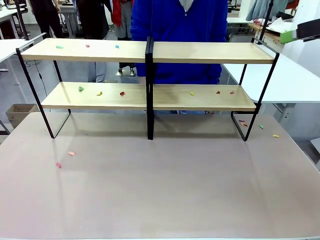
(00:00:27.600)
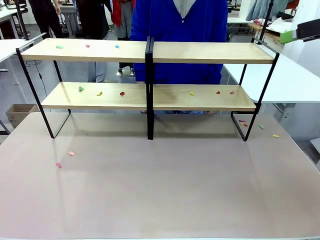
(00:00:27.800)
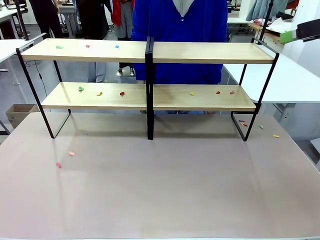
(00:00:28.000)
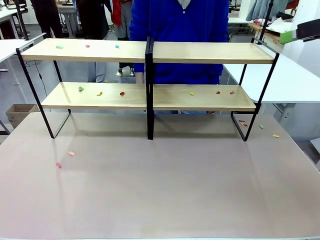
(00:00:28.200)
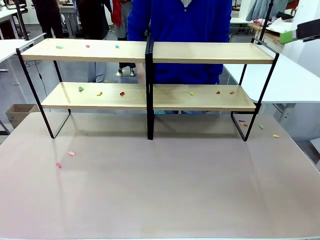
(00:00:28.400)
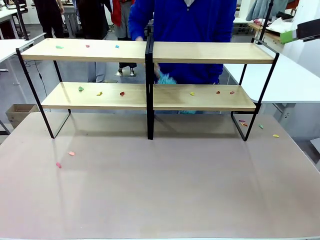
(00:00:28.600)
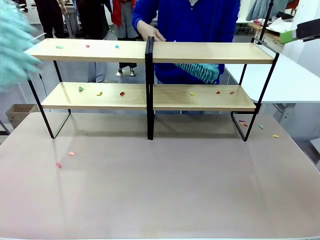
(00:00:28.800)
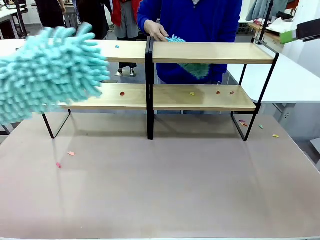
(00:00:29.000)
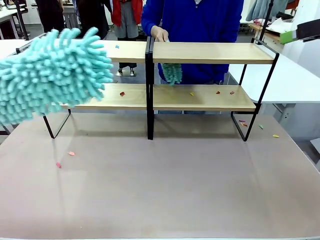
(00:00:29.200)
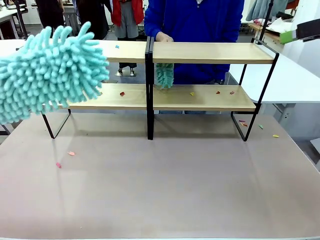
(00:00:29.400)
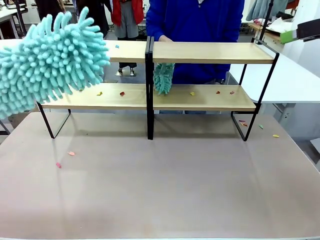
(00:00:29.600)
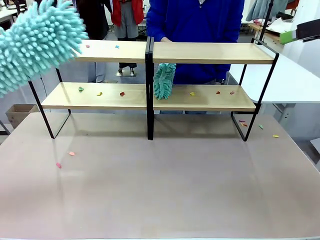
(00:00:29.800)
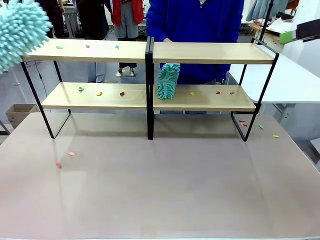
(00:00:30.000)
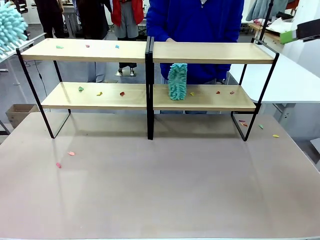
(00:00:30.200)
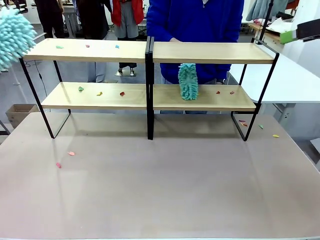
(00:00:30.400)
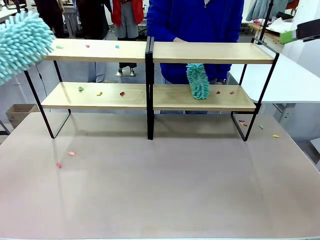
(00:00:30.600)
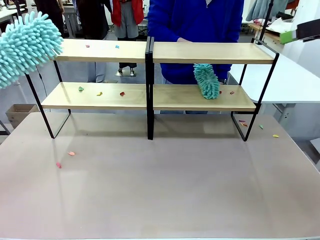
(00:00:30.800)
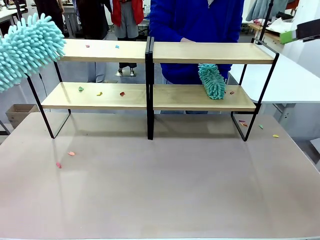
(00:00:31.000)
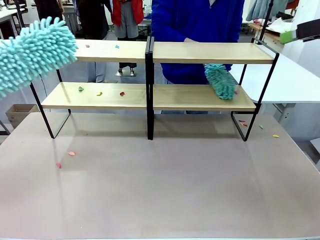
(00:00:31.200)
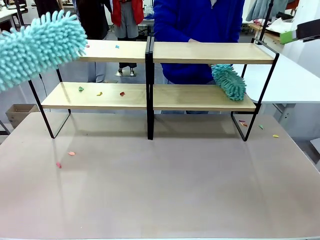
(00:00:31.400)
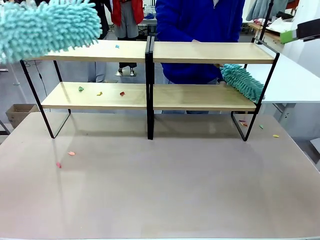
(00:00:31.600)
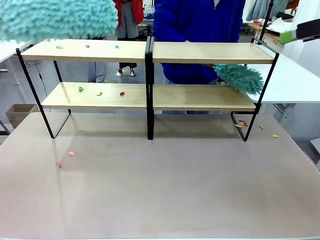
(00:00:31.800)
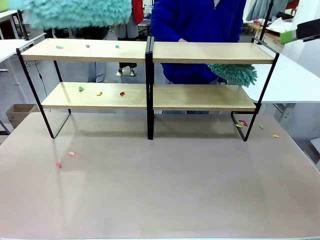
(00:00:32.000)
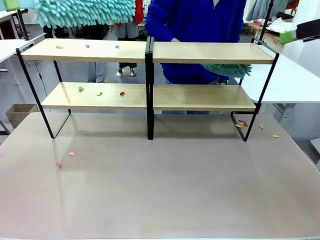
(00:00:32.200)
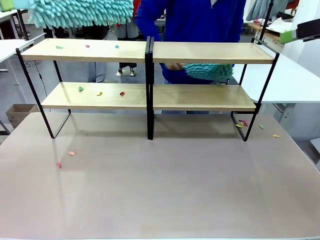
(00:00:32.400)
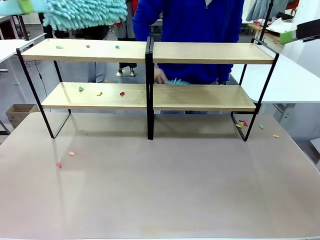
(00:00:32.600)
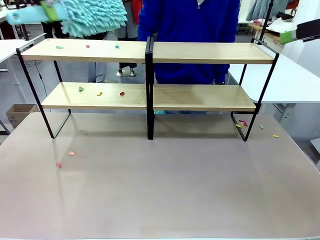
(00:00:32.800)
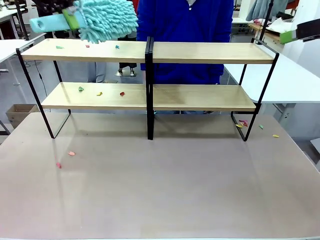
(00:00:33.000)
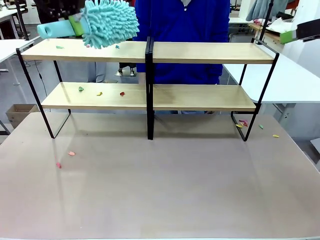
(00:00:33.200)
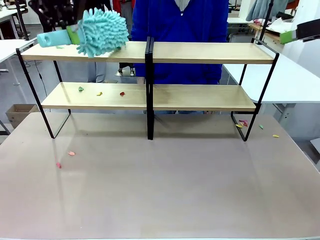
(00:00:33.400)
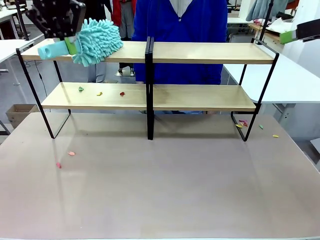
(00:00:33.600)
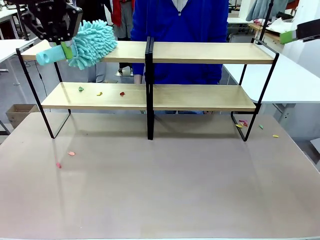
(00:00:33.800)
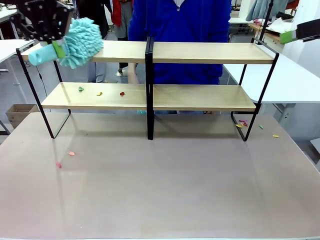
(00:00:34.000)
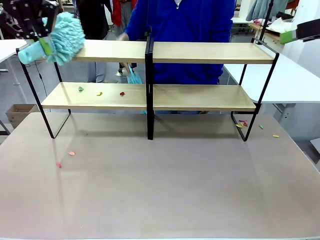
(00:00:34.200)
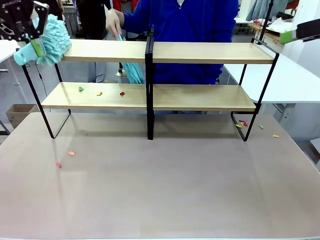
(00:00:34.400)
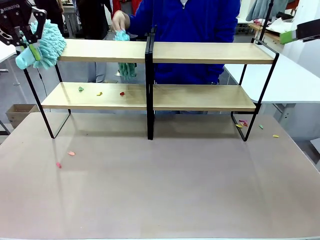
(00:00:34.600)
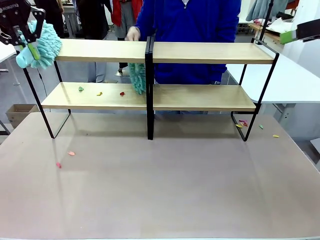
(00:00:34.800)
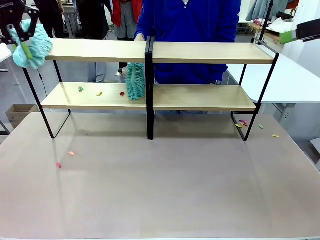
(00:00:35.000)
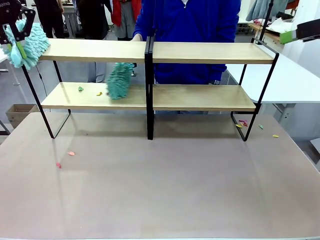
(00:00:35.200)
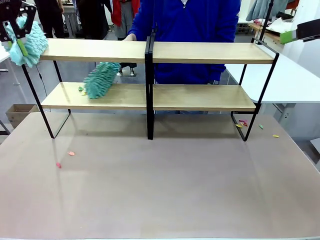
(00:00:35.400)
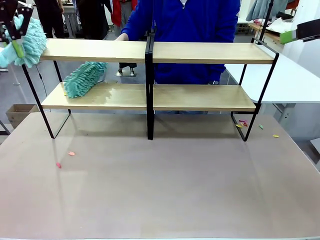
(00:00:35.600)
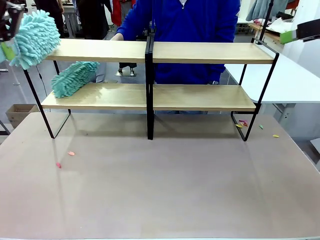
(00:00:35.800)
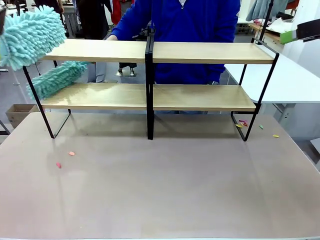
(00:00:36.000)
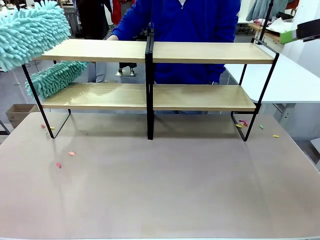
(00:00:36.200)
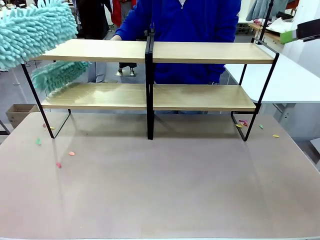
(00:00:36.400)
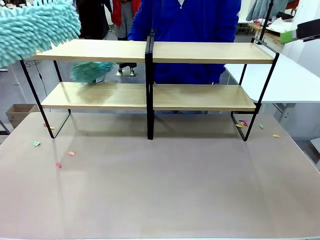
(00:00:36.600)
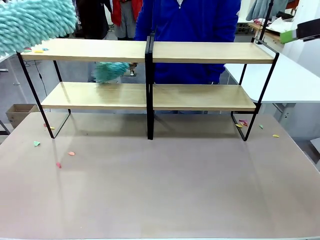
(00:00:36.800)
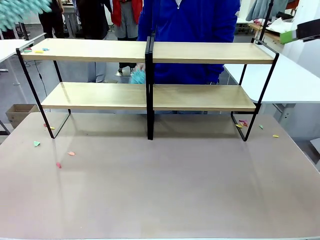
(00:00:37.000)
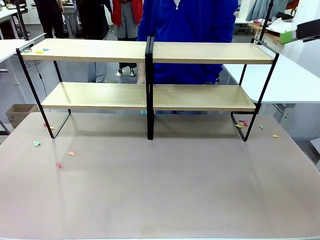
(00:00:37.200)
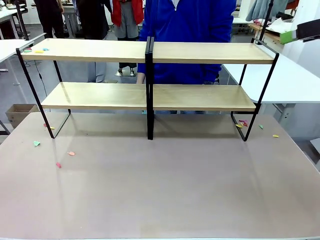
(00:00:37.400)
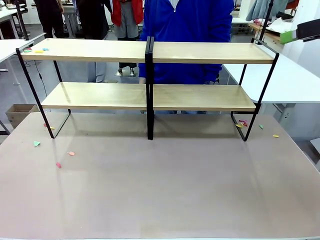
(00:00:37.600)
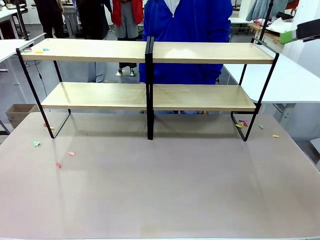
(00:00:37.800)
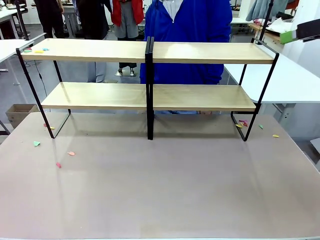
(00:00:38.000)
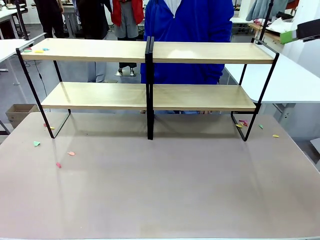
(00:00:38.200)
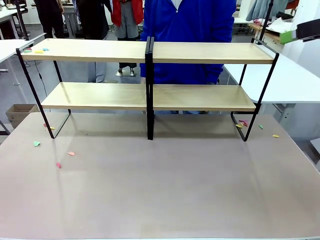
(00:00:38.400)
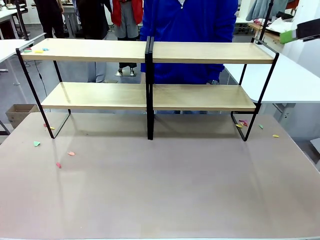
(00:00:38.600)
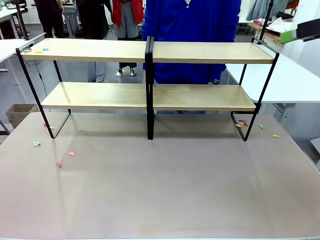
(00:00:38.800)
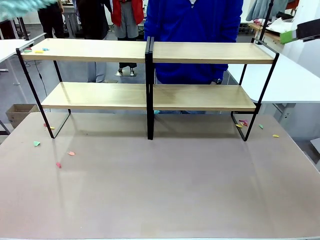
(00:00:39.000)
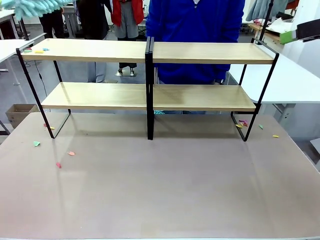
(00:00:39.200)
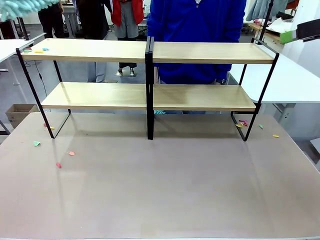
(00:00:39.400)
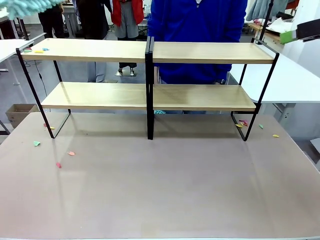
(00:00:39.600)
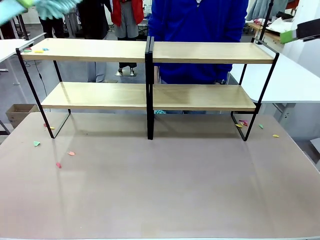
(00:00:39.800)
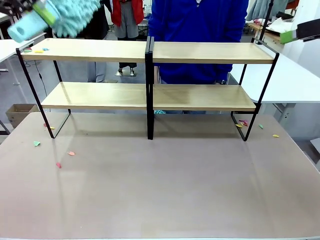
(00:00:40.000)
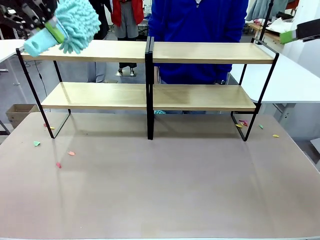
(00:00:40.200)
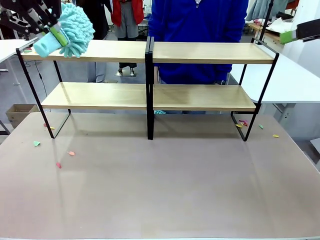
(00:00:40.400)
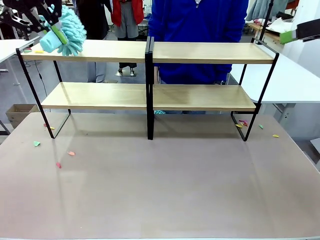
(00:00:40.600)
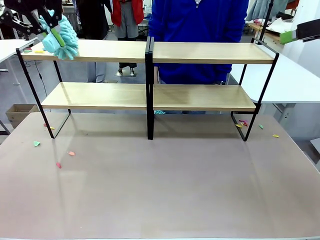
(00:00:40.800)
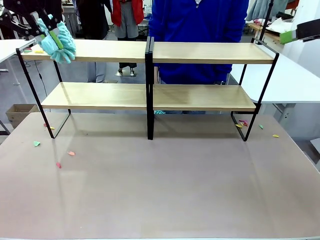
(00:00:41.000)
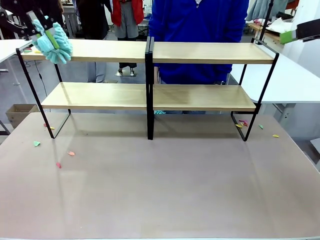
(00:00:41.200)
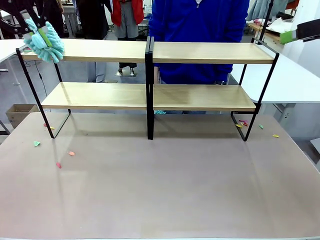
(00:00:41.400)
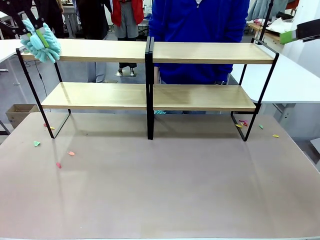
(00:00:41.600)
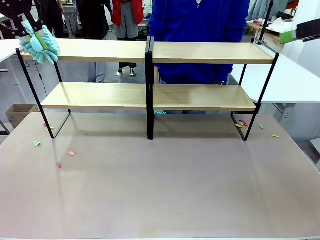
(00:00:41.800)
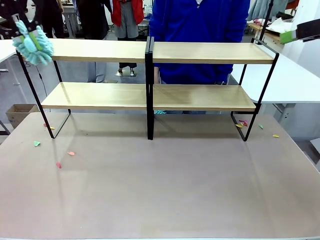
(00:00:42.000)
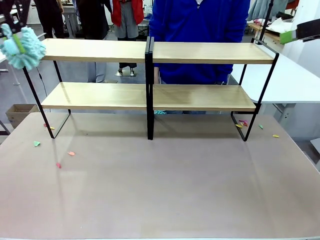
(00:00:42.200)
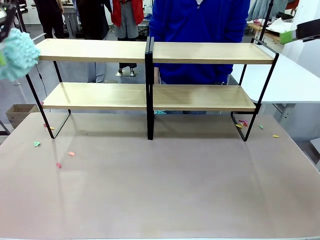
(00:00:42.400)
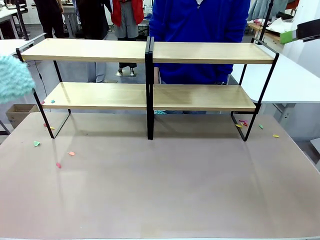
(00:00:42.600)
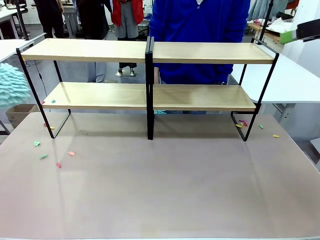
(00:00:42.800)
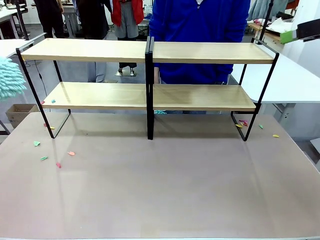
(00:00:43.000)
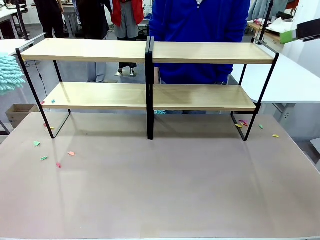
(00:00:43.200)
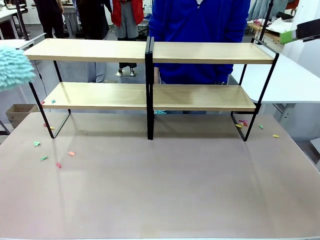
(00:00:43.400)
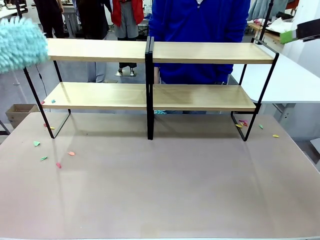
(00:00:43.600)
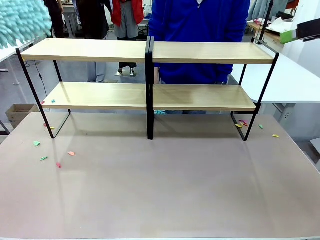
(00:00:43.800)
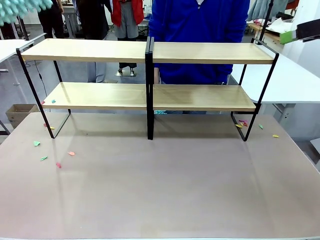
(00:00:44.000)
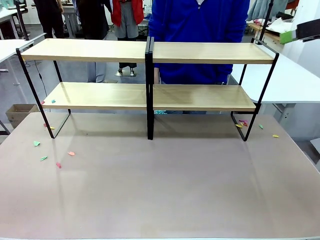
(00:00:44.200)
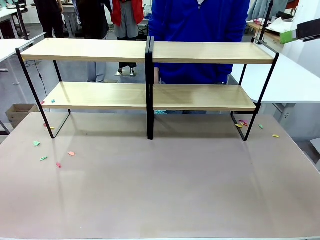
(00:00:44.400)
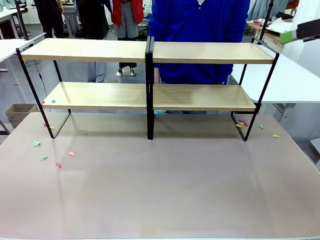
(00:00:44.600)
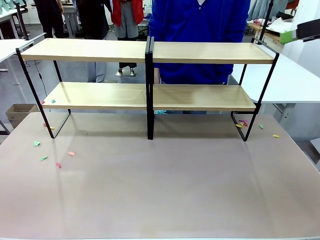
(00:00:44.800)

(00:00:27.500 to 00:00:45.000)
Task: Clean the shelves.
Robot: Clean another randomly selected level of the Shelf with the Duster.

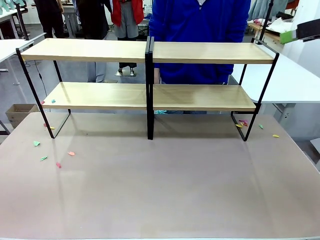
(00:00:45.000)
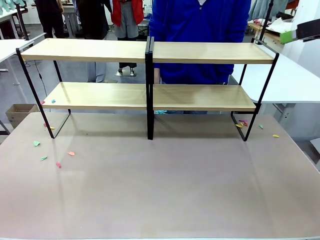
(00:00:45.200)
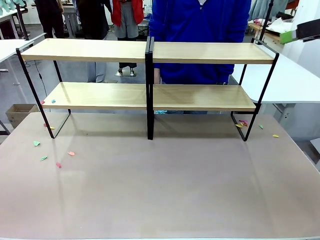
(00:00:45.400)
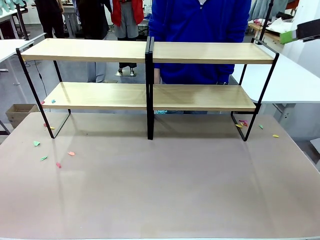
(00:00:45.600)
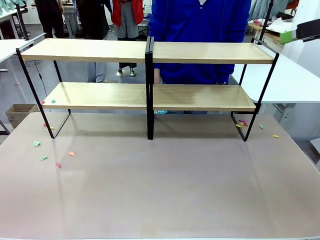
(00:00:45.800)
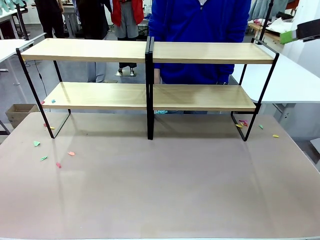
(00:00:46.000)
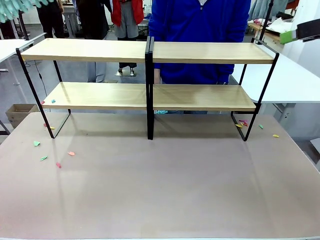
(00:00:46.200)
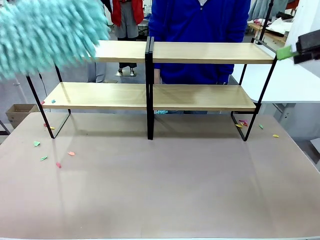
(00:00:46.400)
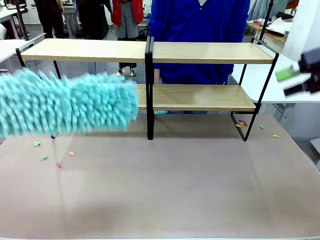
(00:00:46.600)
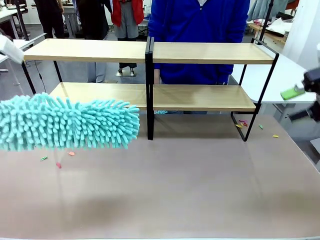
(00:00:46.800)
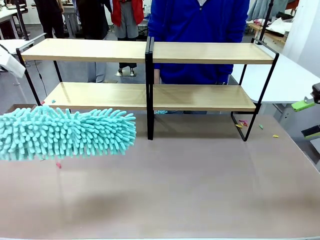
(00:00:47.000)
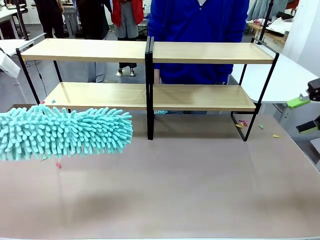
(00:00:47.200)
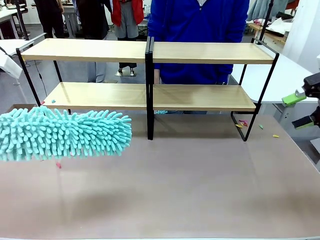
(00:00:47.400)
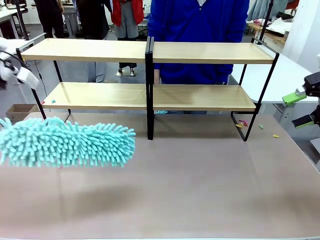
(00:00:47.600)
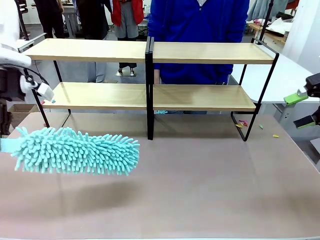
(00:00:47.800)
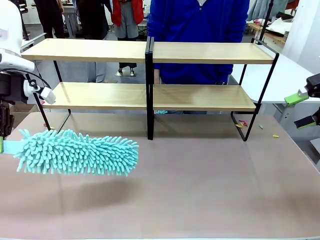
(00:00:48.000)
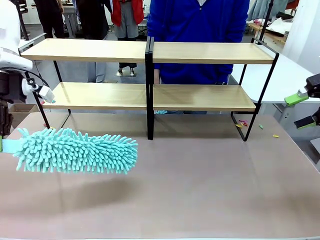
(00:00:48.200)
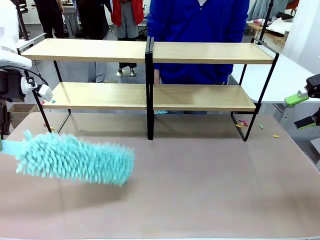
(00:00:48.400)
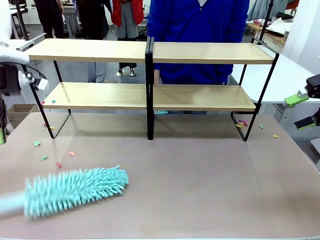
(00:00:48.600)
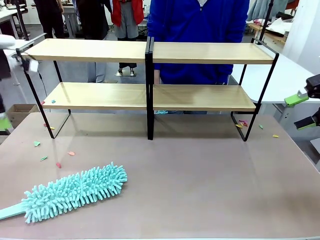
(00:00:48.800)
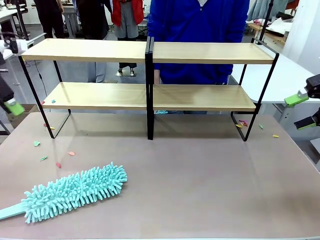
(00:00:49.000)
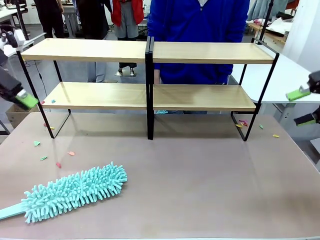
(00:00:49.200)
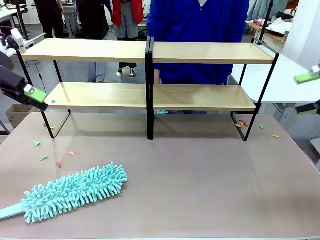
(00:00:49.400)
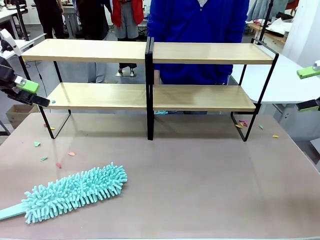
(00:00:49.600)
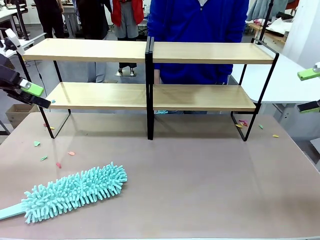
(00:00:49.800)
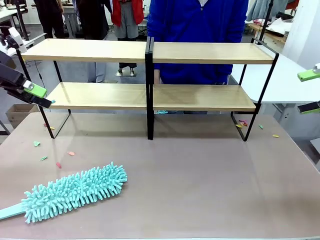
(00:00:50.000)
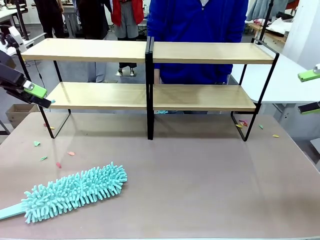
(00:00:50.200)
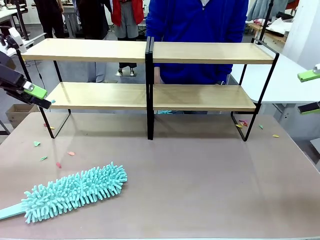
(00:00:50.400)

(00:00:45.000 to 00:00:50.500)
Robot: Place the Duster on the table.
